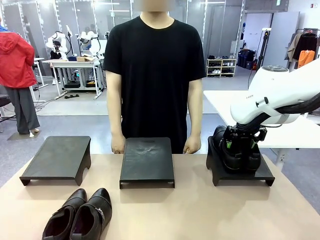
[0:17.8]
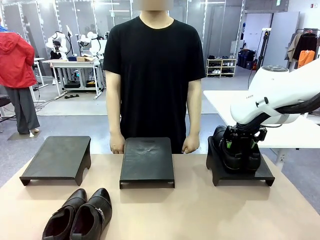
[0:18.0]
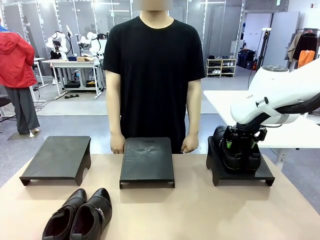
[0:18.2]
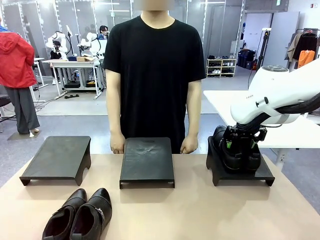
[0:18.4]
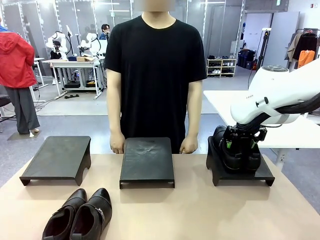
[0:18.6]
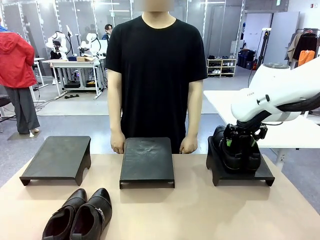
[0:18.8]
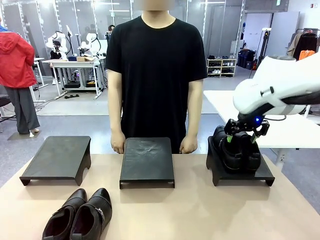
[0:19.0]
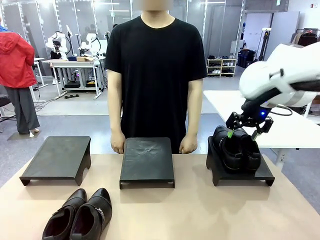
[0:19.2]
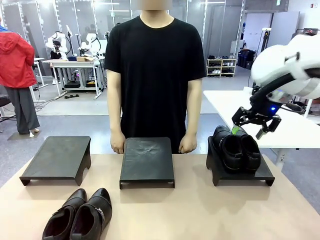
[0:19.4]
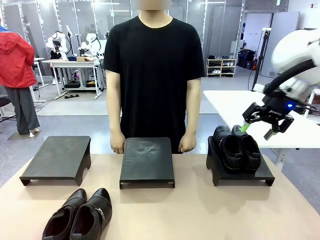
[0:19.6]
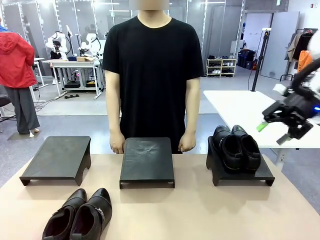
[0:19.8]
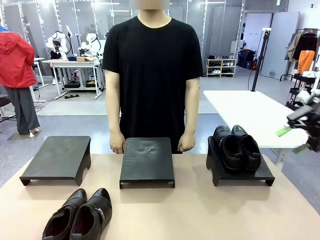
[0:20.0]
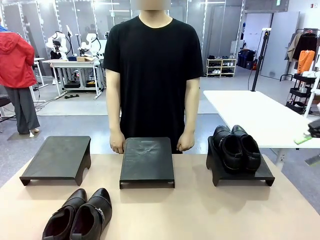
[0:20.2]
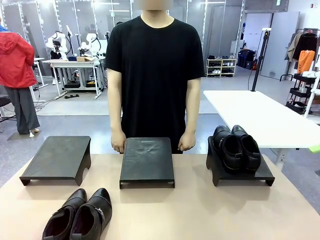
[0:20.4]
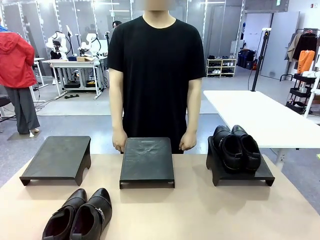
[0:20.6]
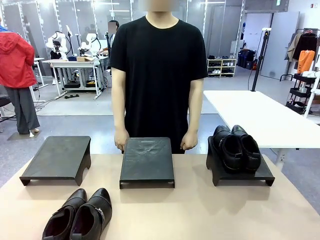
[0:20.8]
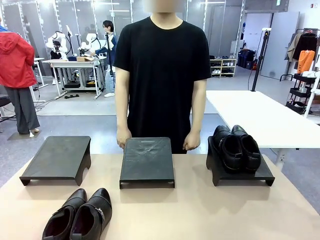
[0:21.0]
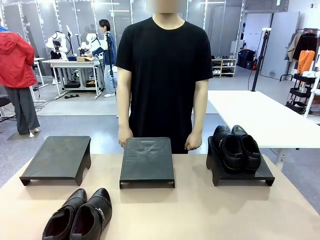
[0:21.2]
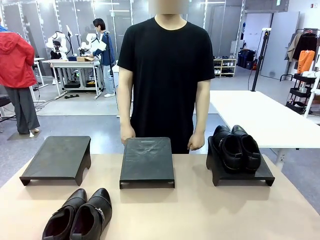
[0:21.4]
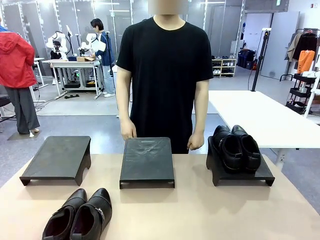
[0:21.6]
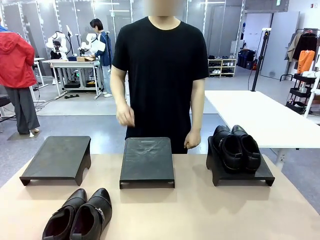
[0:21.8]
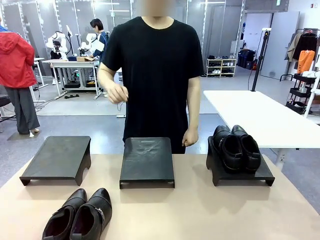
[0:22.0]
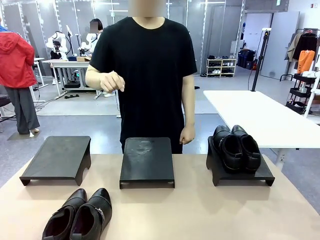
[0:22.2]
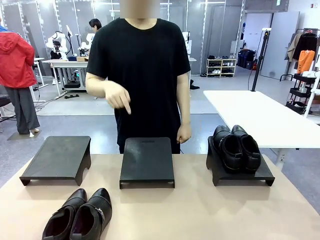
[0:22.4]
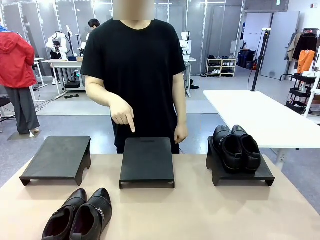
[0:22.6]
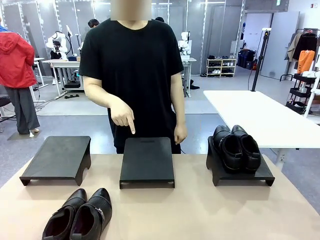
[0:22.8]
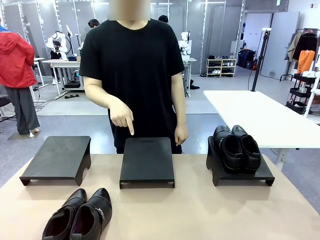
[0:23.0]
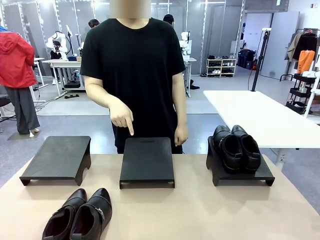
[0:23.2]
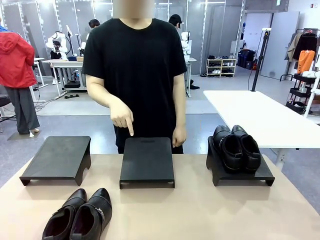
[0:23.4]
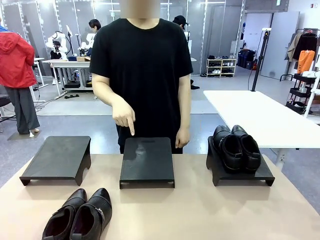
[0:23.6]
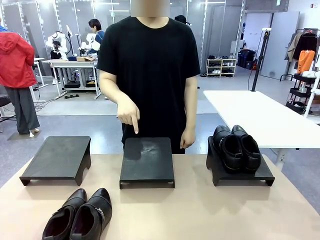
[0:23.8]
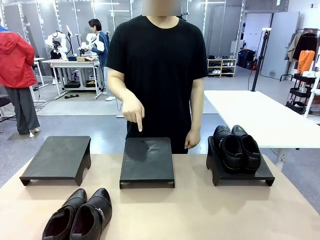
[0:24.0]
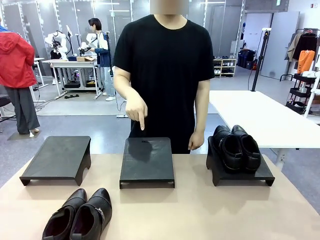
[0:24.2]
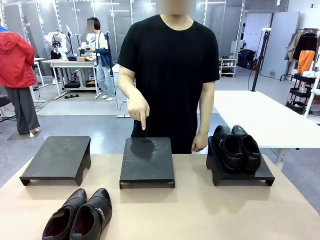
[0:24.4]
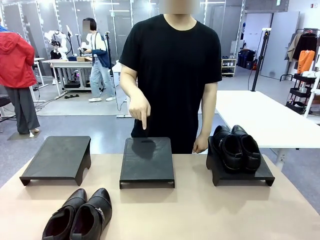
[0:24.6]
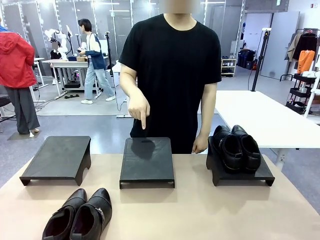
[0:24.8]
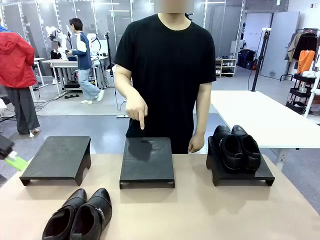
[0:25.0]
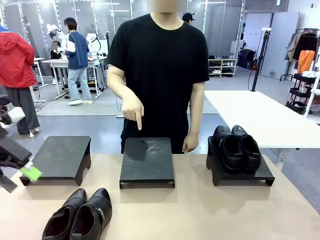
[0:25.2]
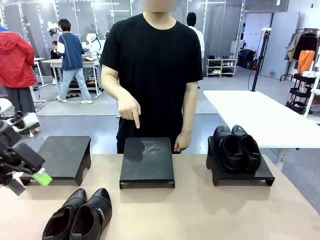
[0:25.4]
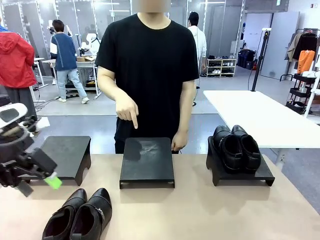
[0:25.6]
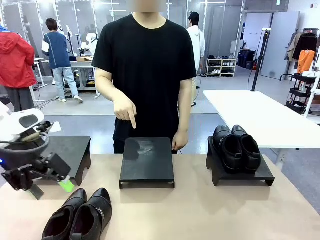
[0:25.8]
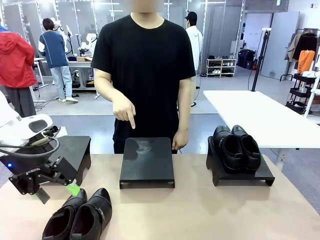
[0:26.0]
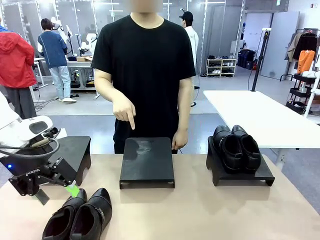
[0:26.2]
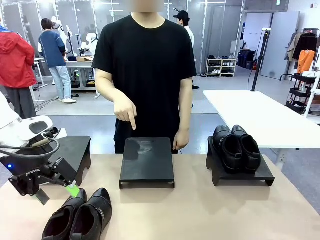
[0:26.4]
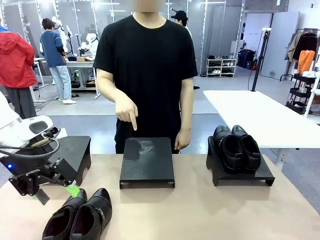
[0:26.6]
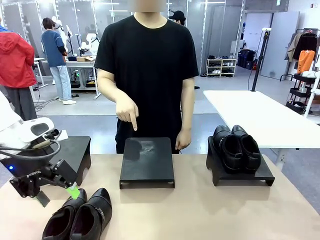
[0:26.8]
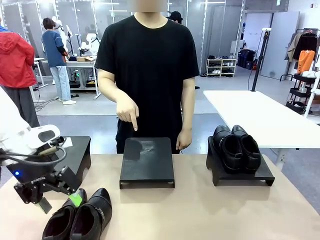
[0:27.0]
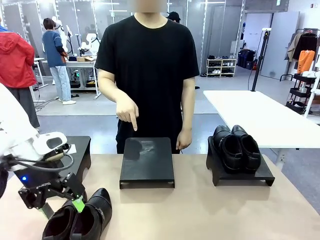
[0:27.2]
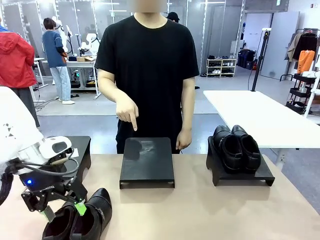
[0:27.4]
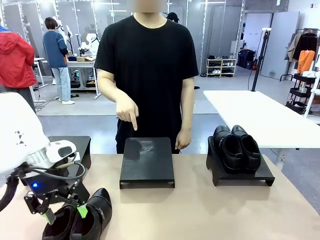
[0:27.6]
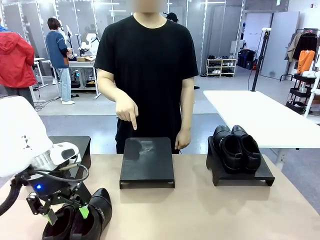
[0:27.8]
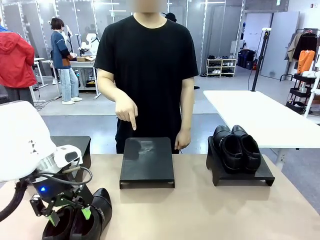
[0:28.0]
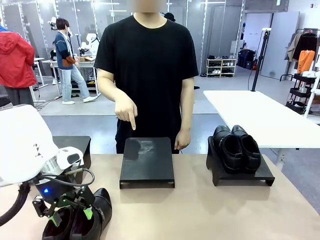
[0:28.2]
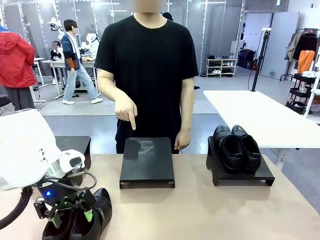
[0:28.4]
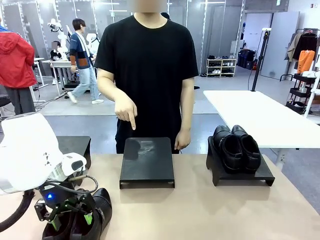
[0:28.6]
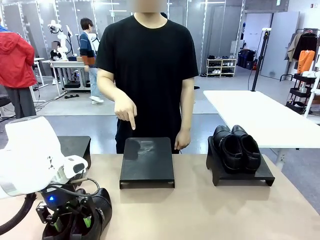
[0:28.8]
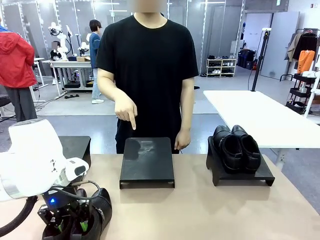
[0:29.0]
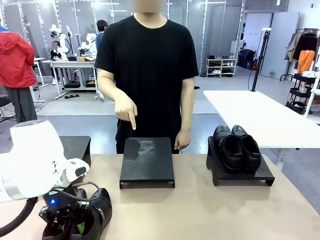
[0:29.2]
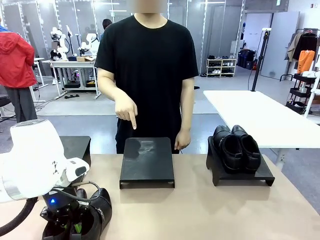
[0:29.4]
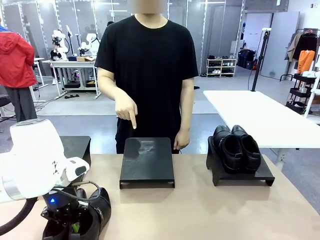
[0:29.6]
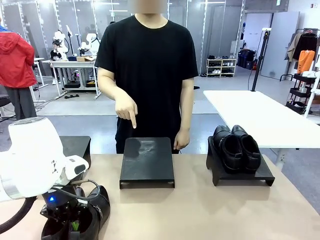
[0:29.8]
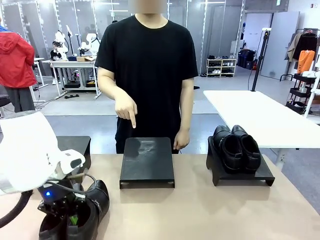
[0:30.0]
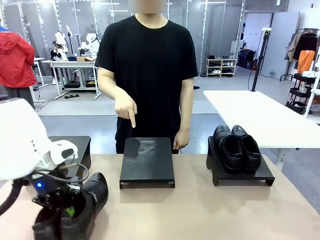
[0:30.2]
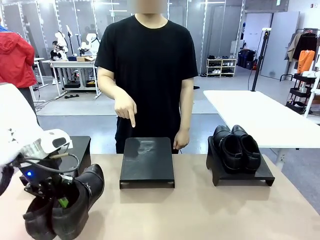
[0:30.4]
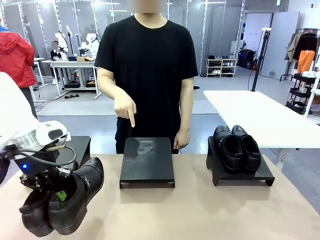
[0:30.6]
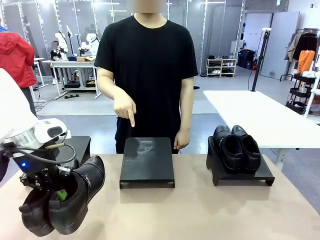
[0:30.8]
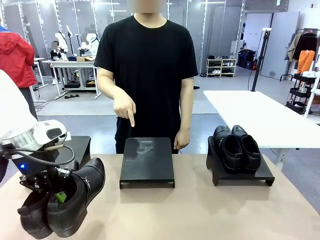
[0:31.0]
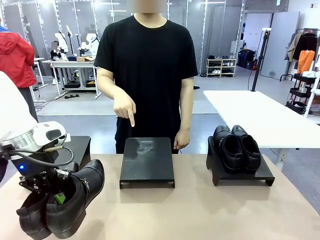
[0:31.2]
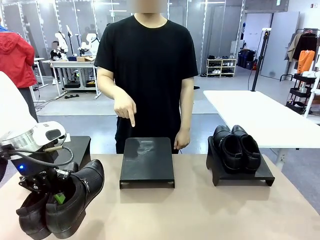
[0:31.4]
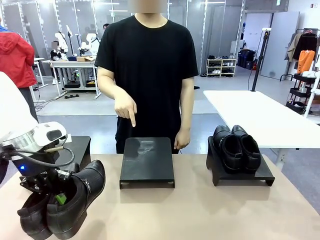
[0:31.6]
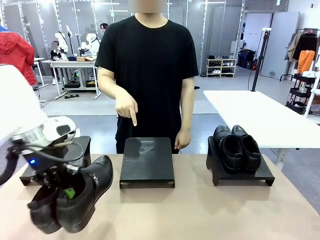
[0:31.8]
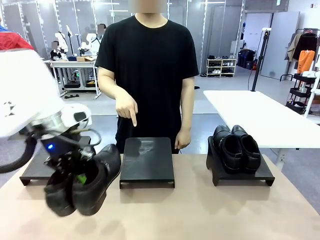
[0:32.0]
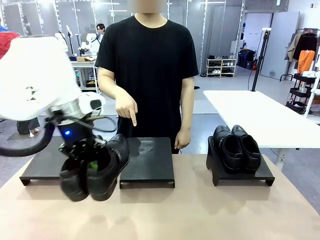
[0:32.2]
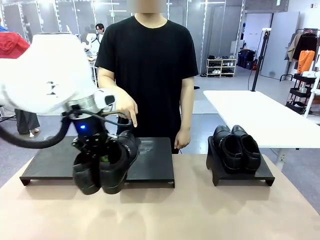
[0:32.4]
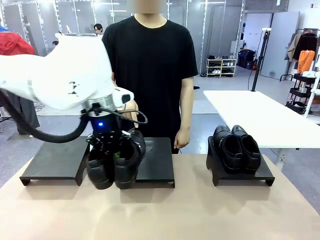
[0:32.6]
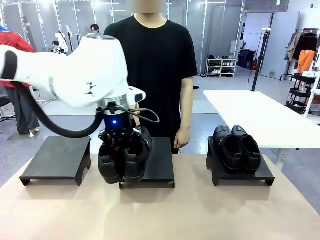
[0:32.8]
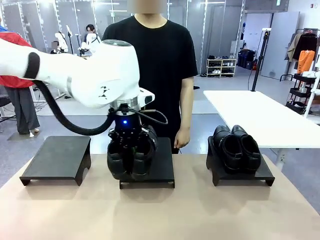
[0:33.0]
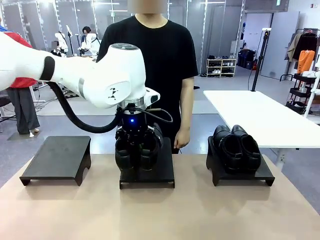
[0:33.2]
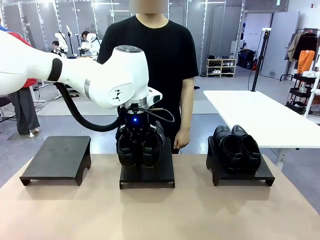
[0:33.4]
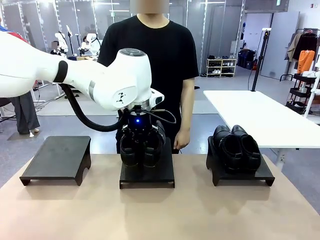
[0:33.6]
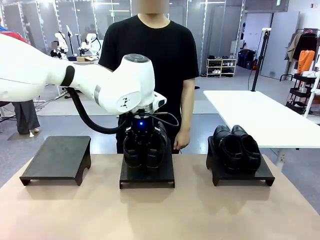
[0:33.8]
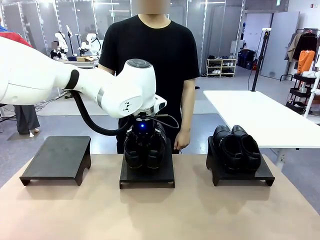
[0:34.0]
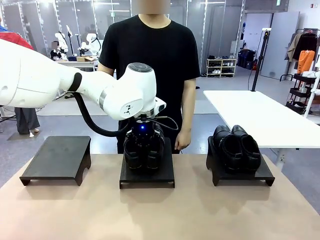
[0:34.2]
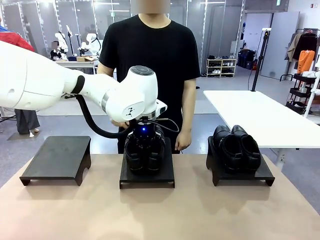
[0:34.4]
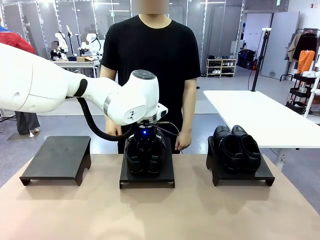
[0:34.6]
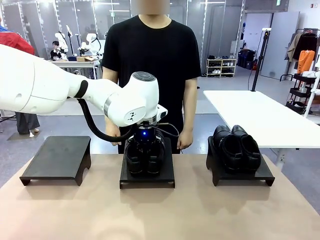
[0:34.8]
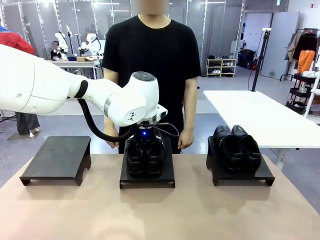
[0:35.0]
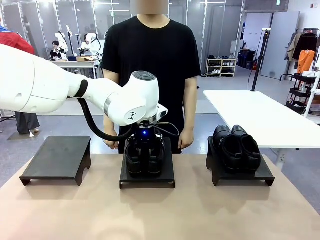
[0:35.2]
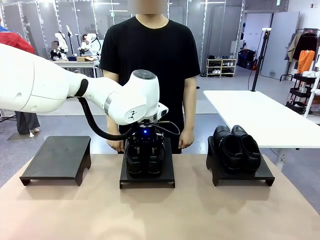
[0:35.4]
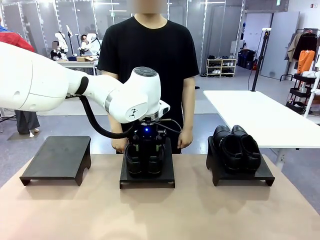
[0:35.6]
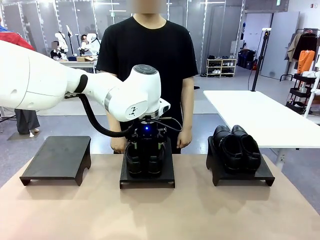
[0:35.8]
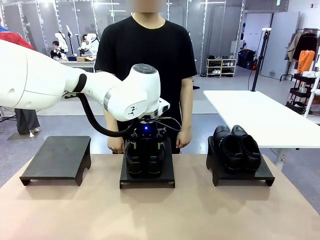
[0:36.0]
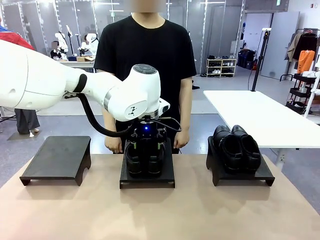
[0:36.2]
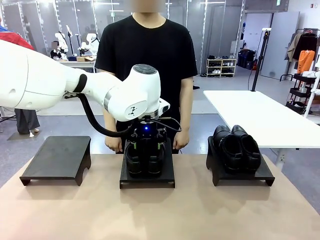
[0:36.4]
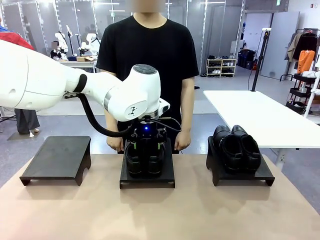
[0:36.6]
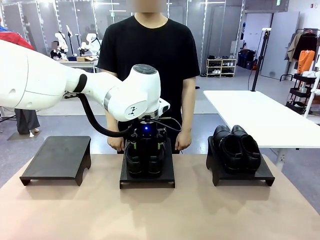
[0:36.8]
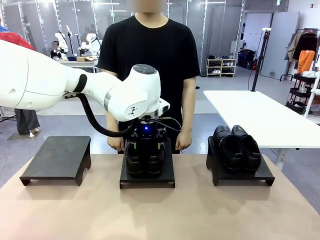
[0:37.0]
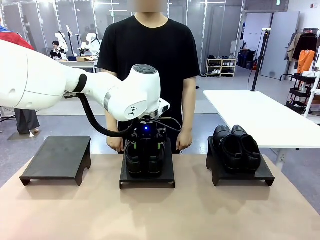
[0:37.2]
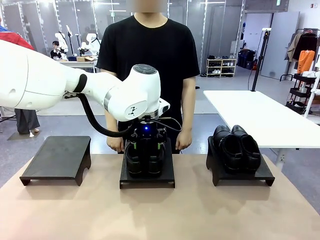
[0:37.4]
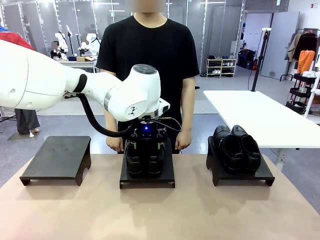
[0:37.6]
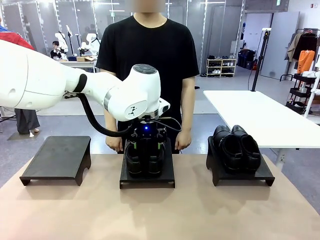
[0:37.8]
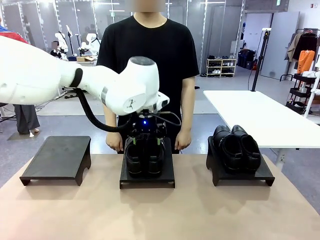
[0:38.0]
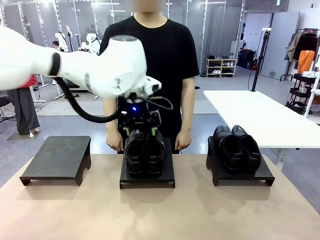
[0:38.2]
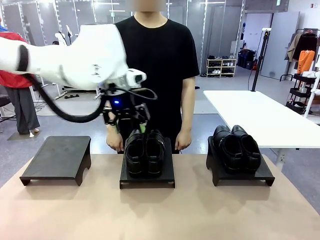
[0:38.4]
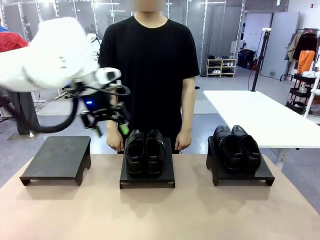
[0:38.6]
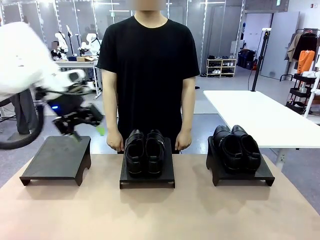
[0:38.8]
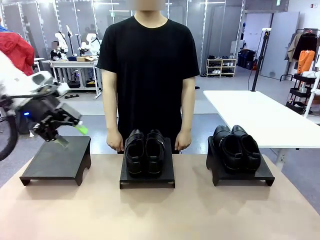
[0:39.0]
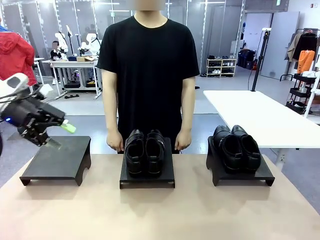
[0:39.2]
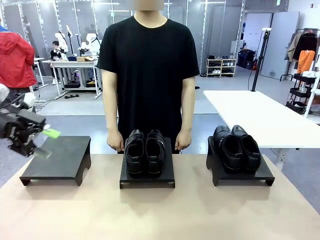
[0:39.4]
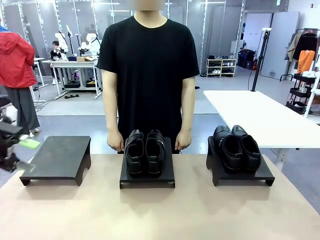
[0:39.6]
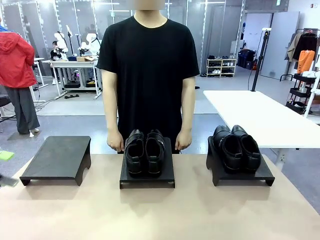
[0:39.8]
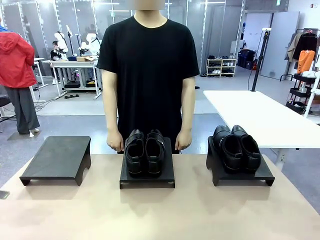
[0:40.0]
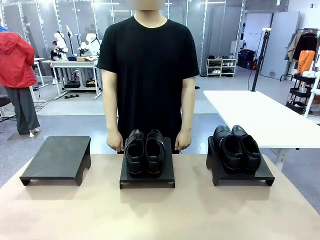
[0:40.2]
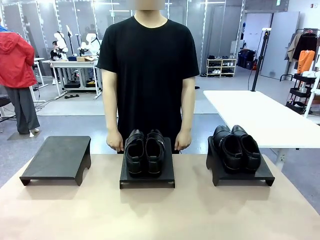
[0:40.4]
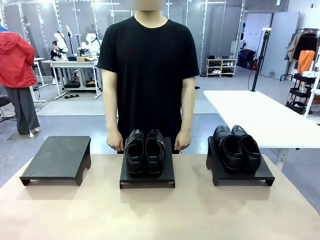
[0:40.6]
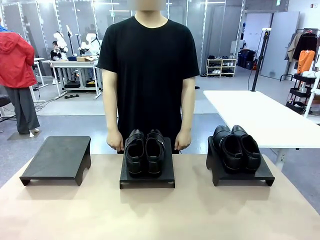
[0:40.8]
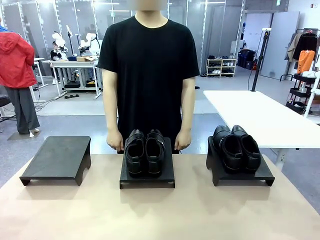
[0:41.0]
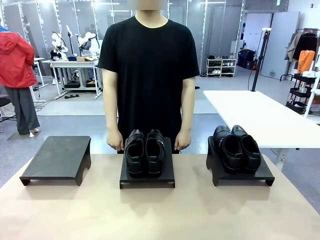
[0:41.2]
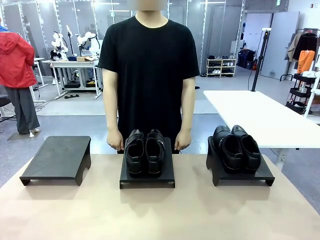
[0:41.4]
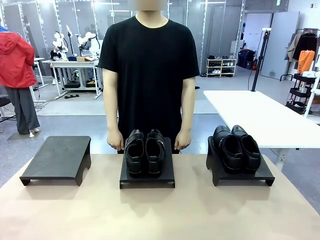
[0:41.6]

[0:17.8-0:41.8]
Task: Place the shoes on the stand as instructed by the person.
Robot: Pick up another pair of Shoes and place it on the Shoes Stand indicated by the person.
Person: Point to one Shoes Stand.
